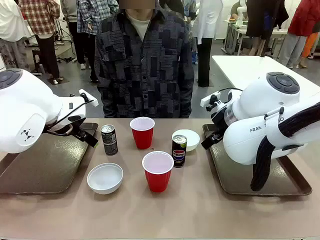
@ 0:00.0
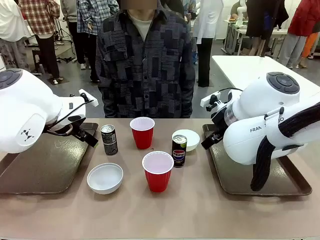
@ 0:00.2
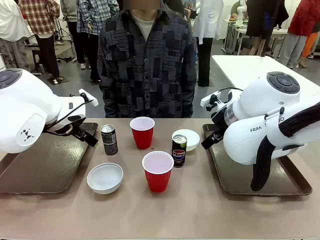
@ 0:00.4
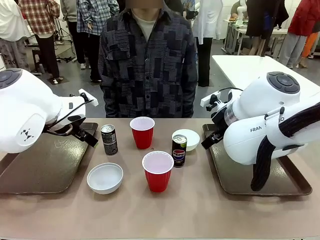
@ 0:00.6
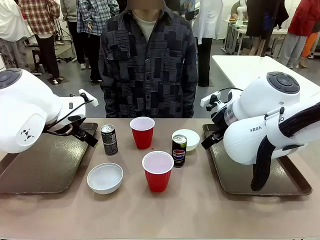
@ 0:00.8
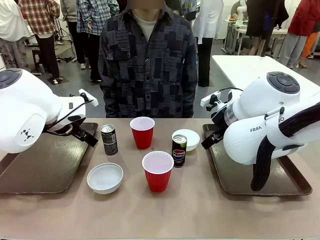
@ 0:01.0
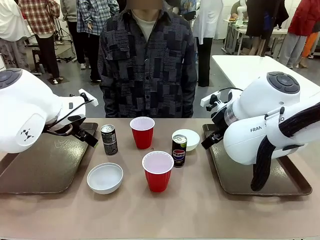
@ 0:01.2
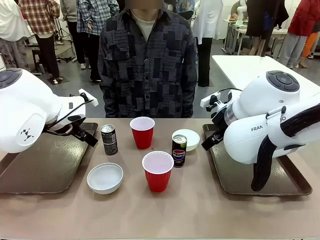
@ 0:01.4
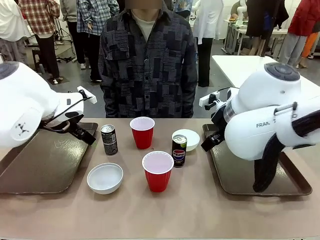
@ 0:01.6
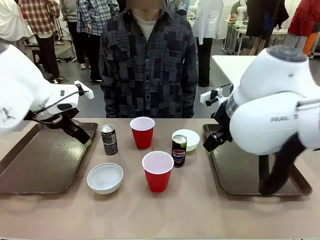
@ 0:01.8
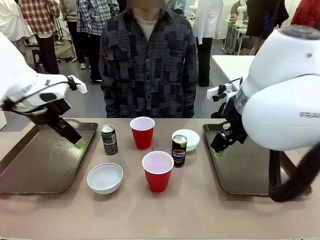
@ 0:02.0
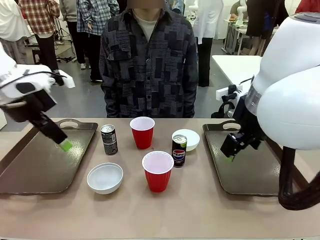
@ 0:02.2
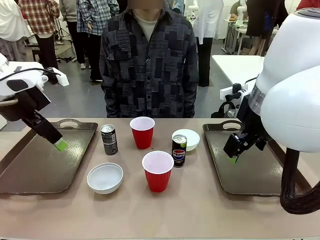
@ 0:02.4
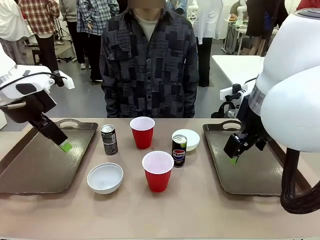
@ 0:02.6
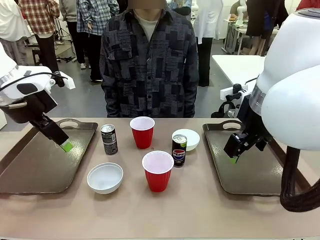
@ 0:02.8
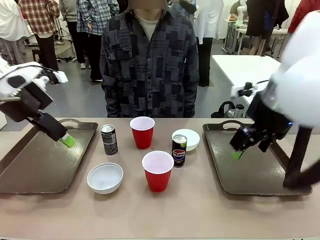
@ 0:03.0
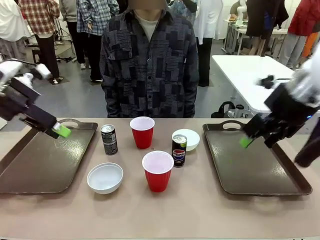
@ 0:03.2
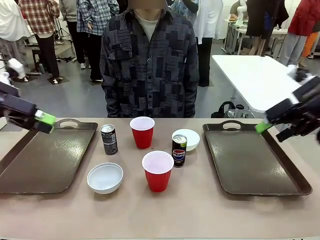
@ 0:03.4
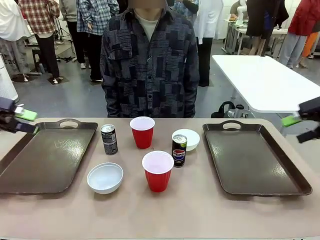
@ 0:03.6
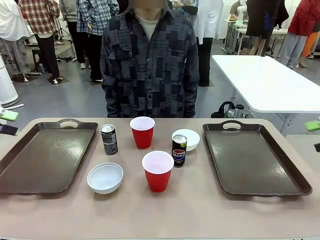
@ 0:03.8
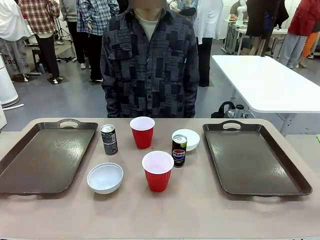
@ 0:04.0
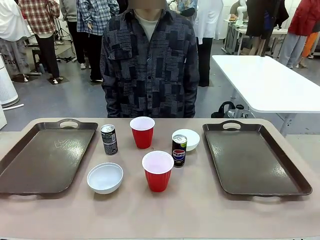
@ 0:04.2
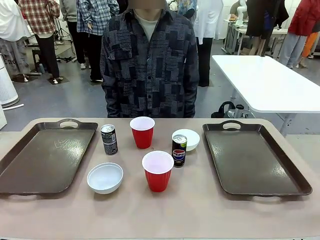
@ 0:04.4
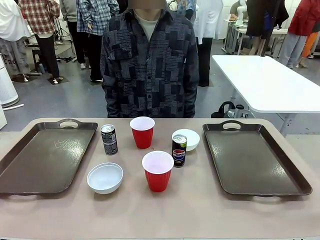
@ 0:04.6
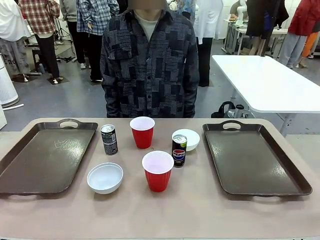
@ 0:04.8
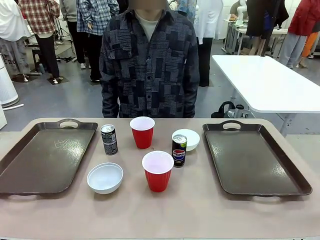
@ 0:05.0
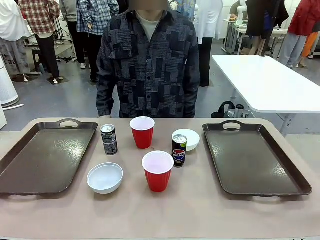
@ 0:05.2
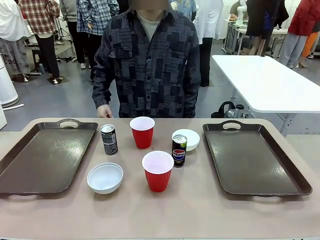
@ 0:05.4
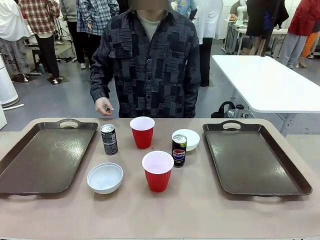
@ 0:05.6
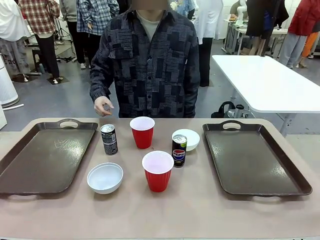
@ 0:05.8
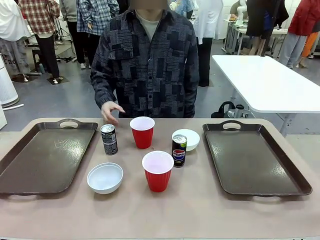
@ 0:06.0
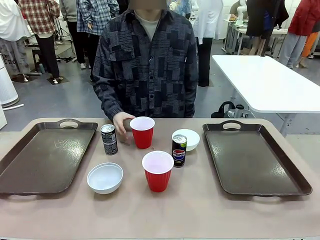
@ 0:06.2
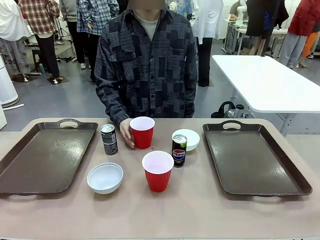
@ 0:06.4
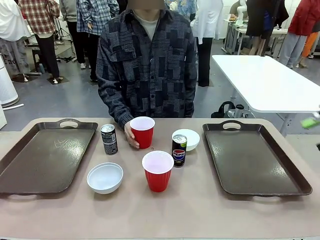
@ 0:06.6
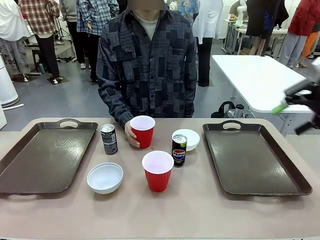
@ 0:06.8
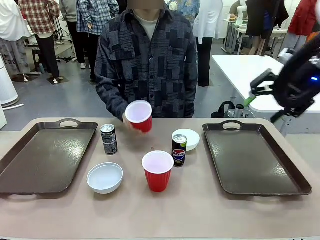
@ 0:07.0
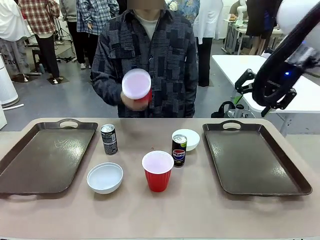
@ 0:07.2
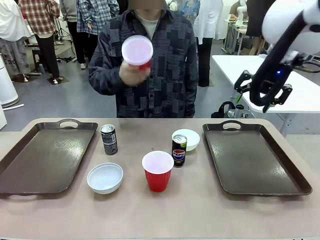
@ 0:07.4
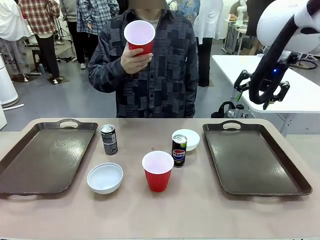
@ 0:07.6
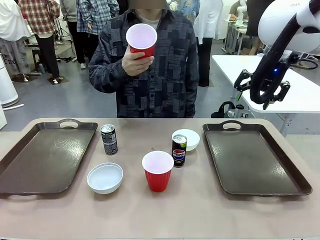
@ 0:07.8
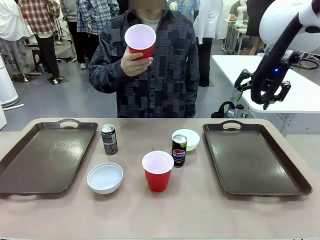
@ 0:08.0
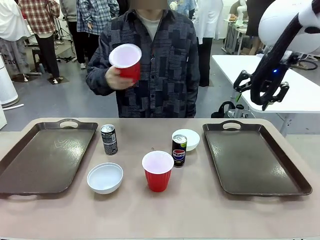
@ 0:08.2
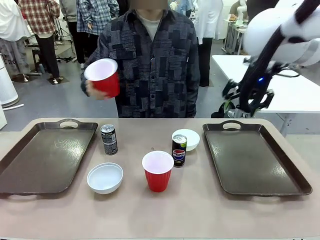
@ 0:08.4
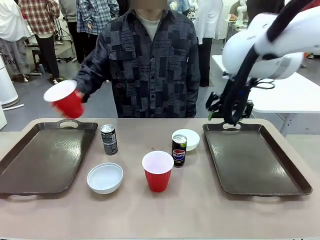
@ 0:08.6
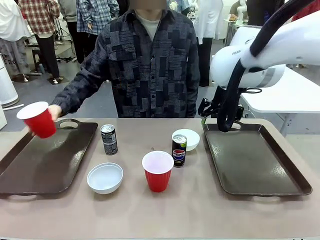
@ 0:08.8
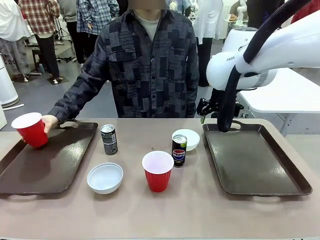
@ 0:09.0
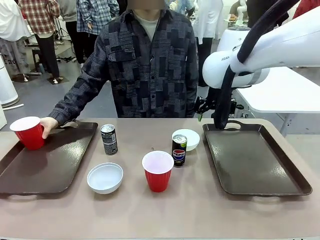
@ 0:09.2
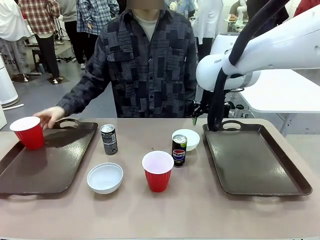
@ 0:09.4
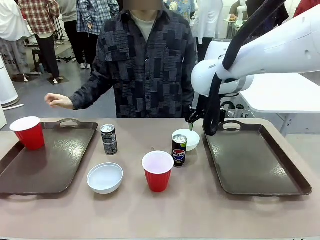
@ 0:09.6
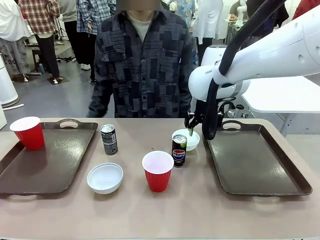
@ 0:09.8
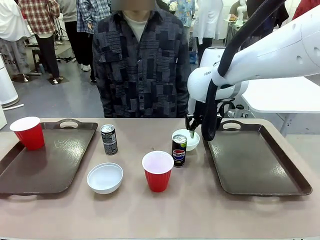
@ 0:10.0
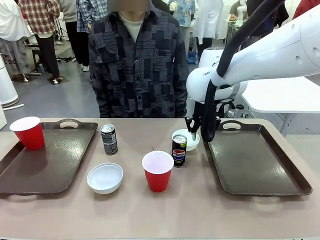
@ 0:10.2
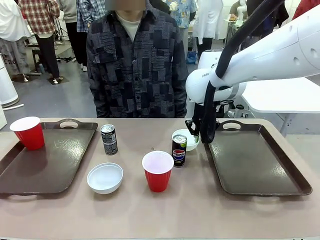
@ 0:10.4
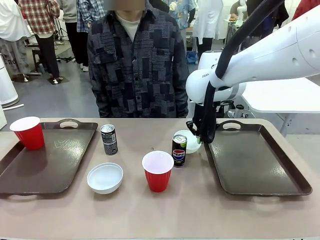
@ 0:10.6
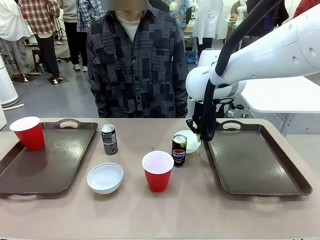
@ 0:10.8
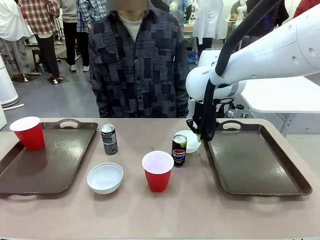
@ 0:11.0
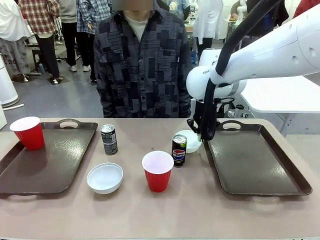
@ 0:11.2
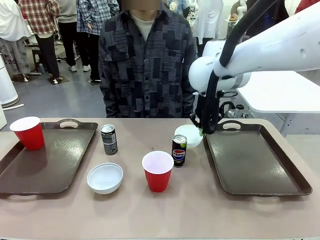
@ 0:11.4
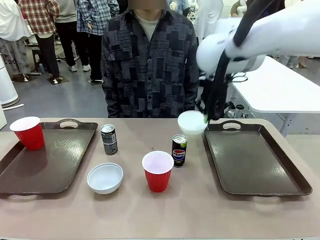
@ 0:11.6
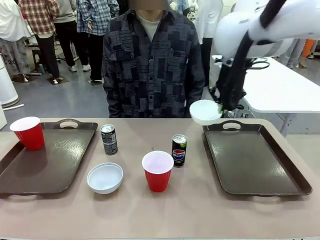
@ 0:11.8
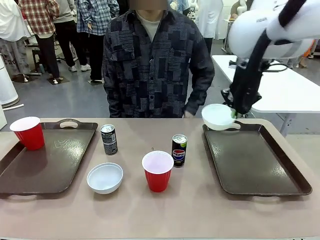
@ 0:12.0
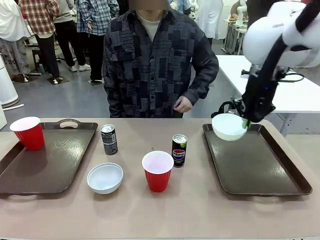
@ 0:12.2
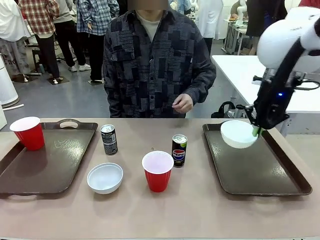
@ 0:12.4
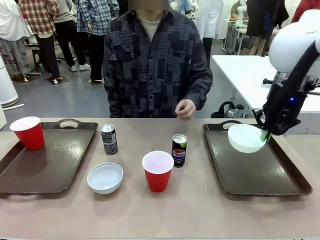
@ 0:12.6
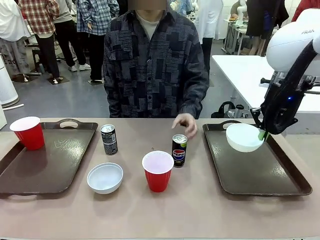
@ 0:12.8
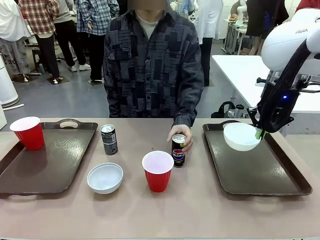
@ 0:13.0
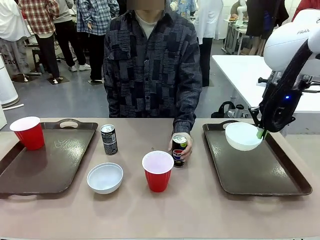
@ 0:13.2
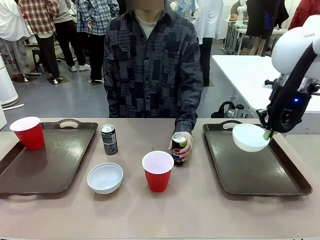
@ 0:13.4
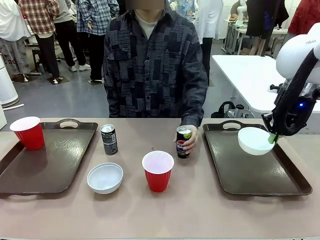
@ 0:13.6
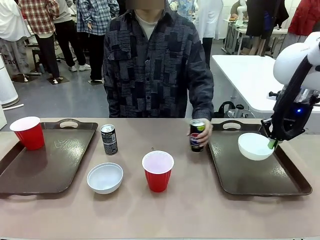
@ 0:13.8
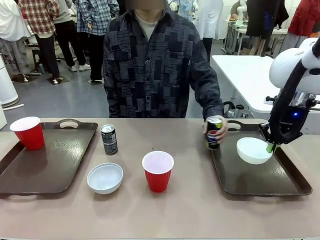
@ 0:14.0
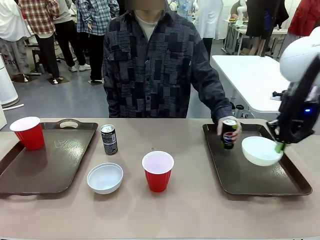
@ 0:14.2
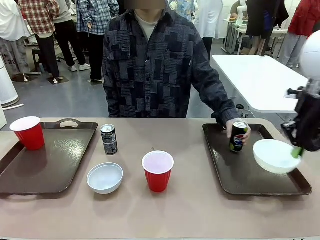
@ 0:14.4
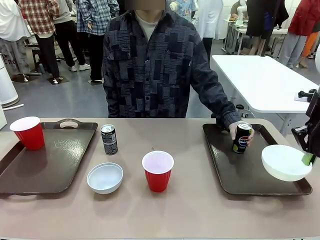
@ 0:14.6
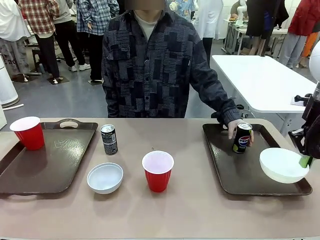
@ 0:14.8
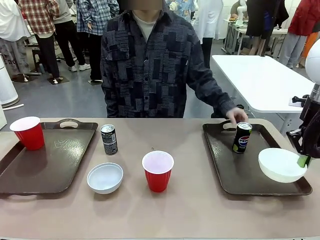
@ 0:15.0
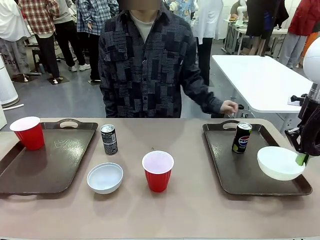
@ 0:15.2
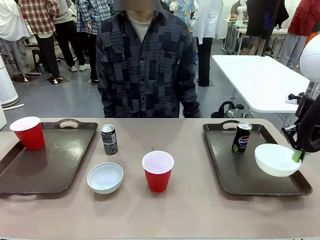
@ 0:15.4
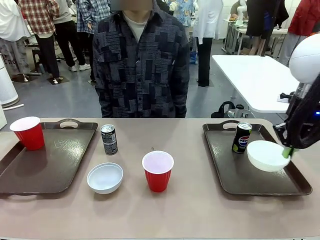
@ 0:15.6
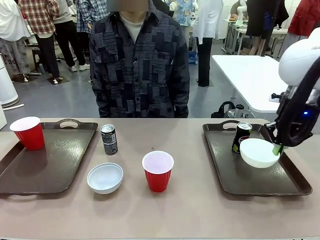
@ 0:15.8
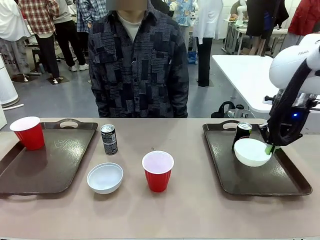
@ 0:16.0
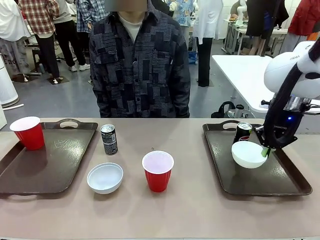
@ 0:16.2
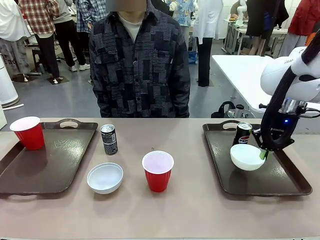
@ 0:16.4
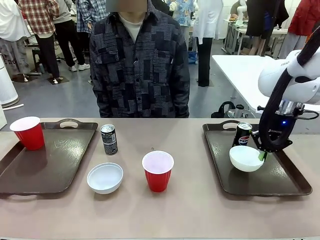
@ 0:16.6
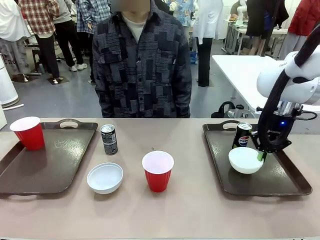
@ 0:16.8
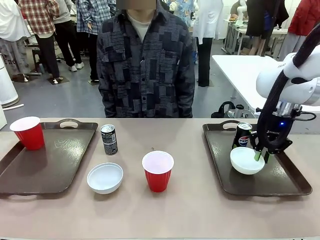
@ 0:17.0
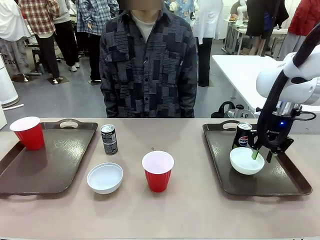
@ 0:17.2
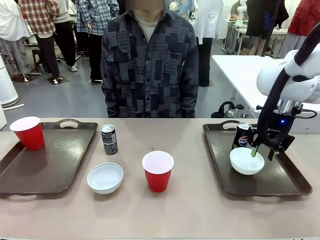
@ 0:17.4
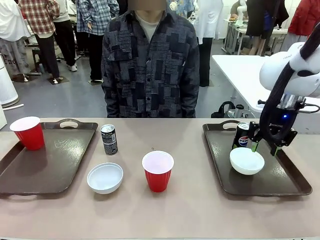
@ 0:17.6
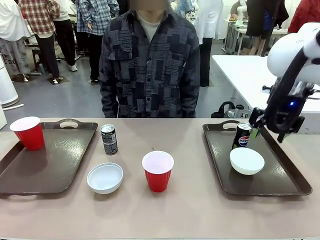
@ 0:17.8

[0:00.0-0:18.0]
Task: Prepare tableware on both trays.
Robot: Pick up a Picnic Bowl from the table and place it on a Handle tray.
Person: Pick up a can or cup and place it on the tray.
